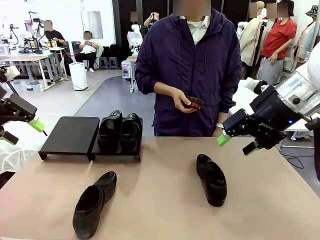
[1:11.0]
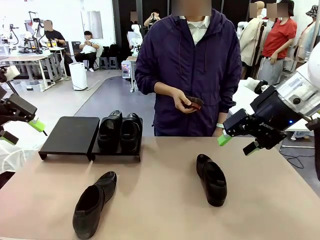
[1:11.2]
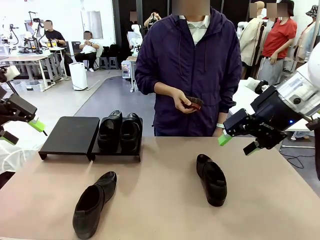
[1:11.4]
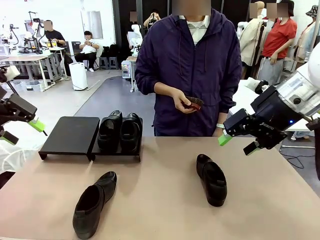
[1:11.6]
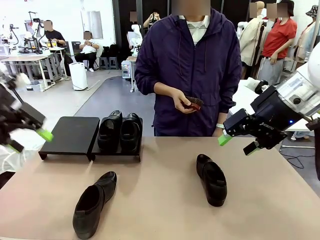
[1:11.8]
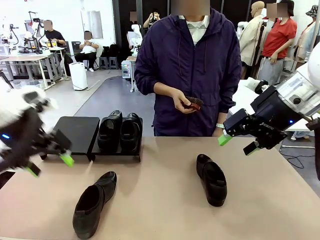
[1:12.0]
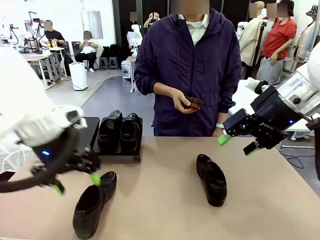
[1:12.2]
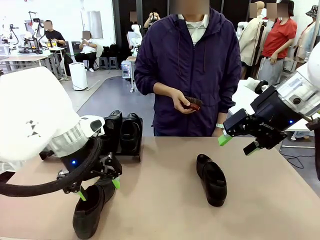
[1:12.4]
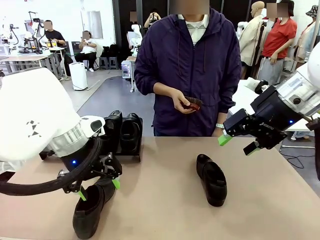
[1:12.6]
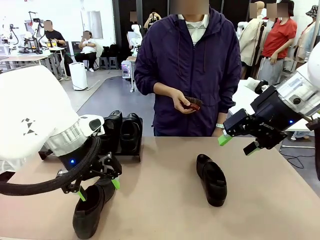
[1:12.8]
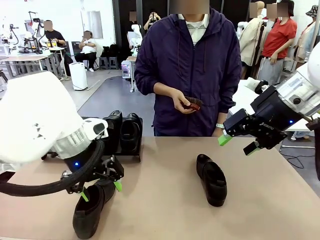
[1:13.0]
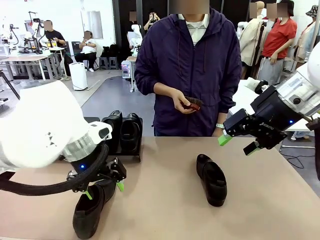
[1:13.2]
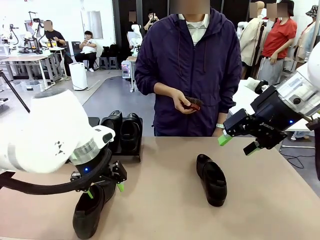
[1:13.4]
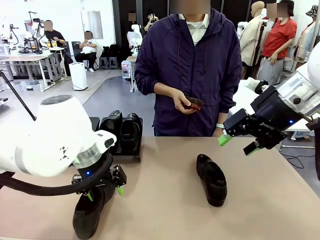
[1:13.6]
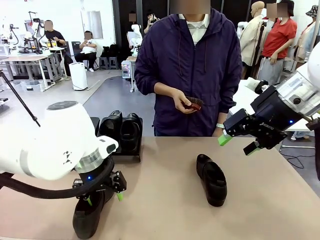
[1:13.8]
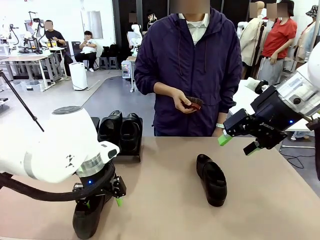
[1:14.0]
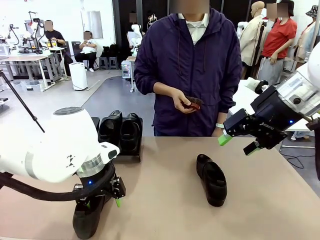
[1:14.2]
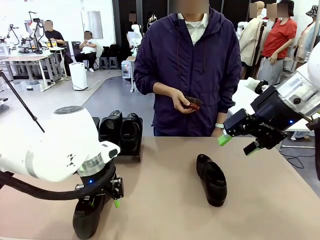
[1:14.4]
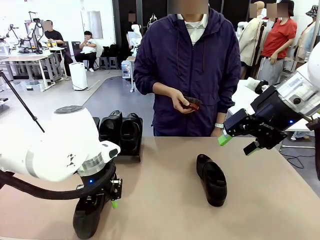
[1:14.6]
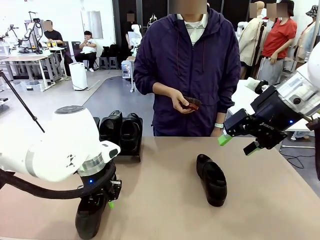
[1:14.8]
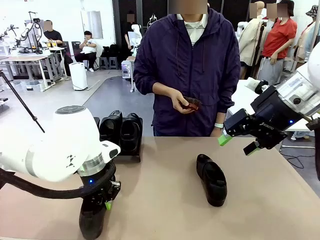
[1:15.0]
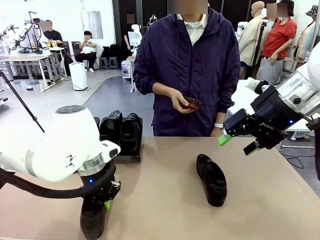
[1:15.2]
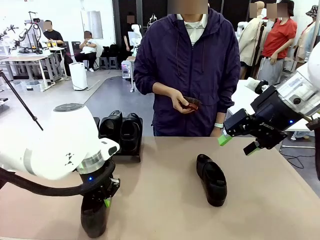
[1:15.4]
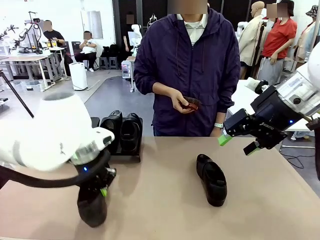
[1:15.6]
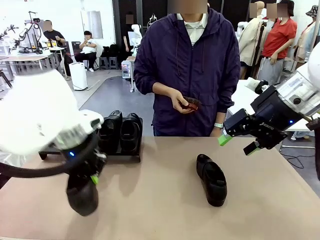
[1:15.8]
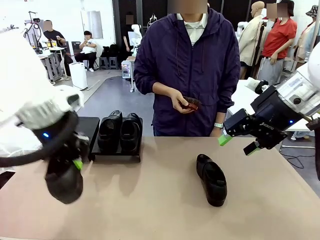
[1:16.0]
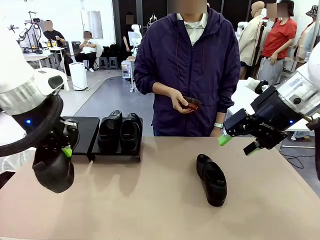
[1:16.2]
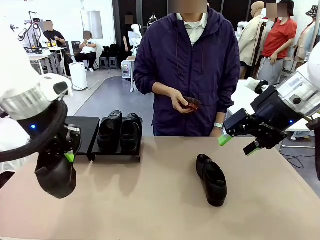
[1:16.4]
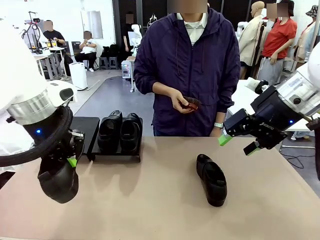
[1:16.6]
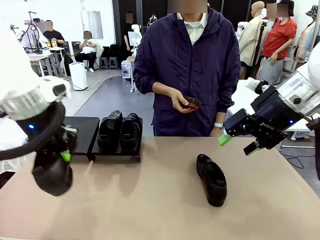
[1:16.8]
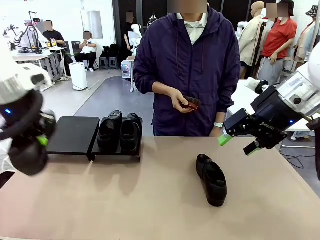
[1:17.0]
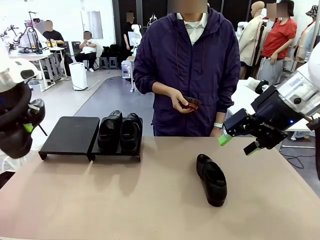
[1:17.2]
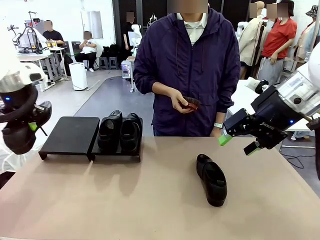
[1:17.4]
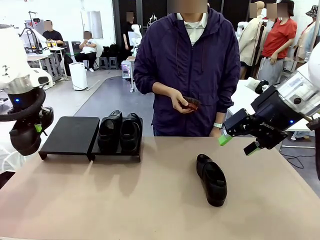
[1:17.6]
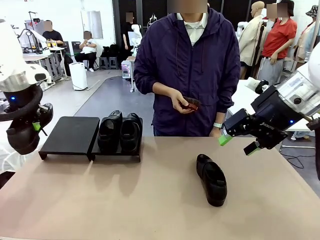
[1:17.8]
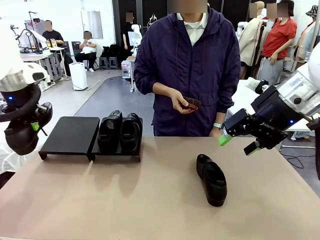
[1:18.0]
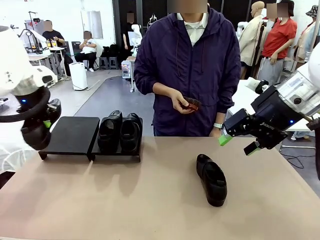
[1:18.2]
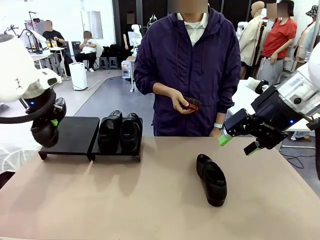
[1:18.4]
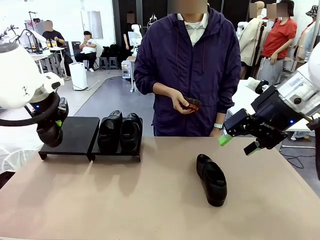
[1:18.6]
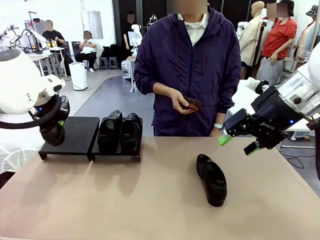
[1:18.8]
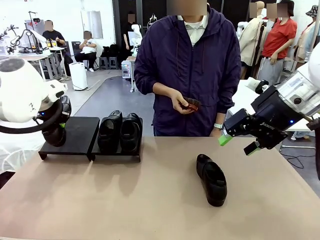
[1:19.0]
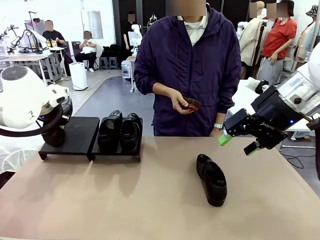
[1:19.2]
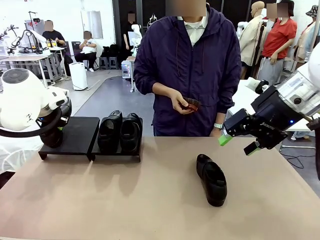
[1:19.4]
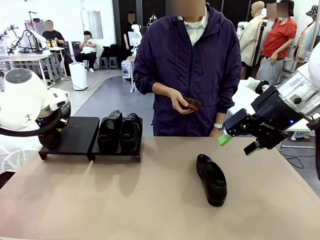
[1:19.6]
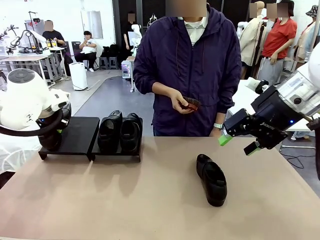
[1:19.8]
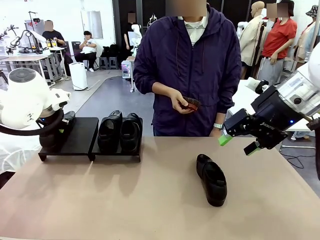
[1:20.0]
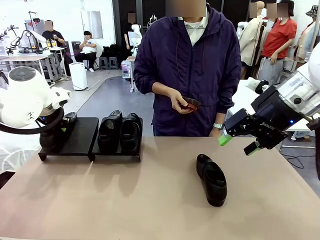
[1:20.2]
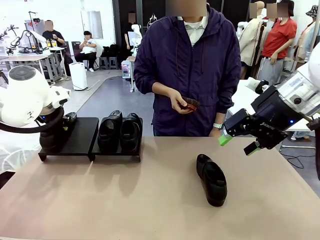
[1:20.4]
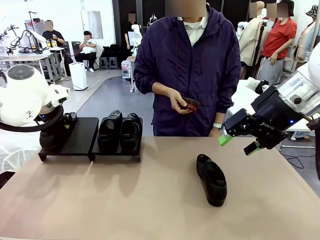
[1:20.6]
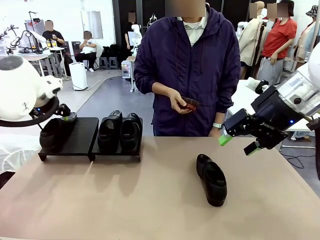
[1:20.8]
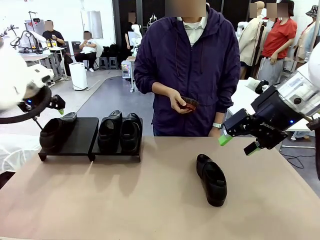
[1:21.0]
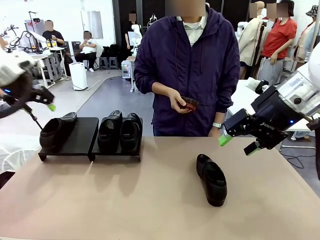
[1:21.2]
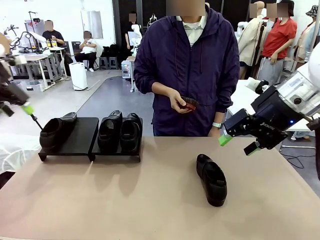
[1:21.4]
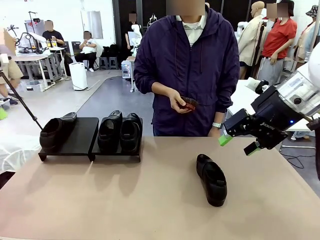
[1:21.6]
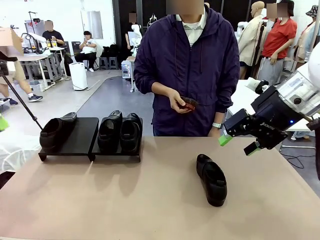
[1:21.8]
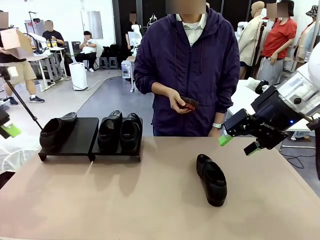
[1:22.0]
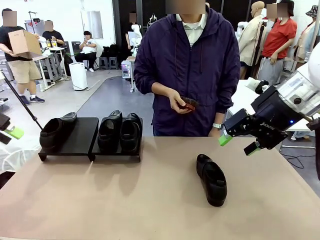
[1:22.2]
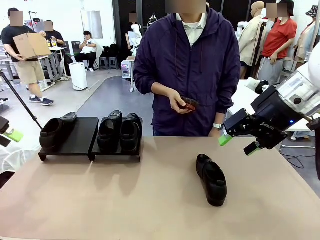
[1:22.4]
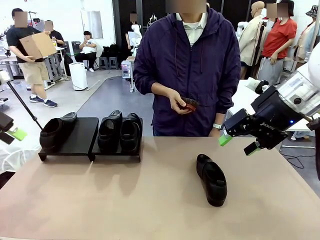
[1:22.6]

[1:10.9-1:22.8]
Task: Organize the shoes by placing them on the stand.
Robot: Place the Shoe from the middle of the table onto the Shoes Stand.

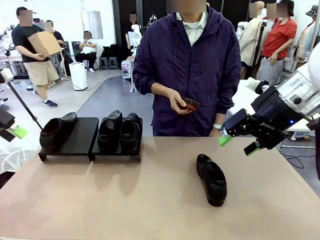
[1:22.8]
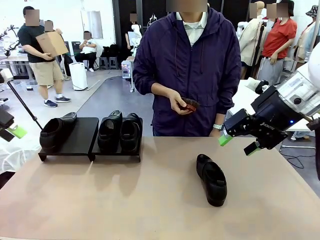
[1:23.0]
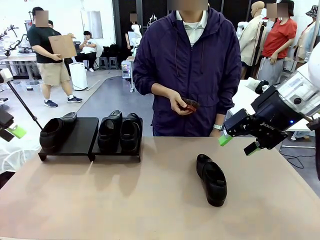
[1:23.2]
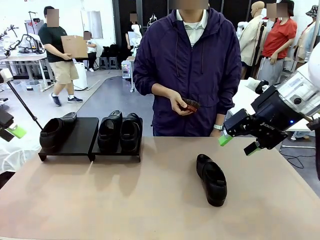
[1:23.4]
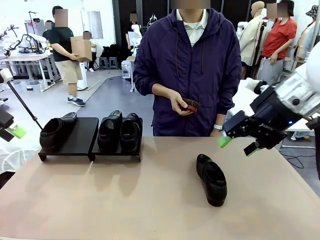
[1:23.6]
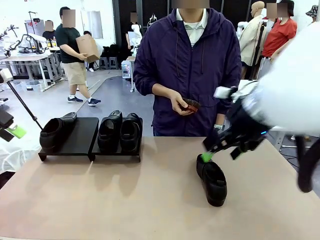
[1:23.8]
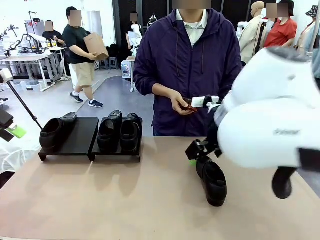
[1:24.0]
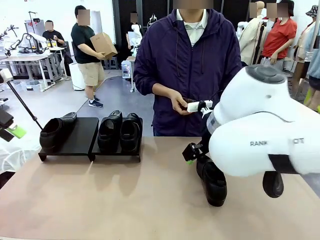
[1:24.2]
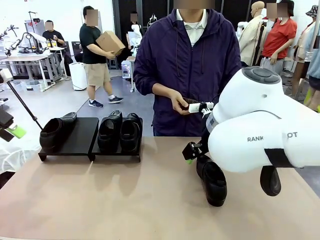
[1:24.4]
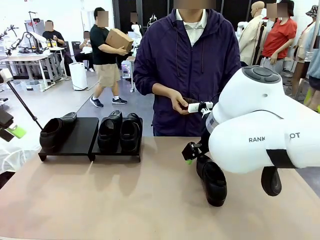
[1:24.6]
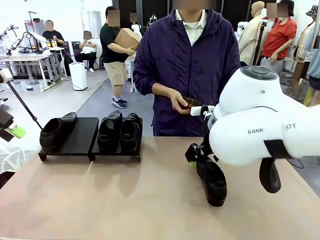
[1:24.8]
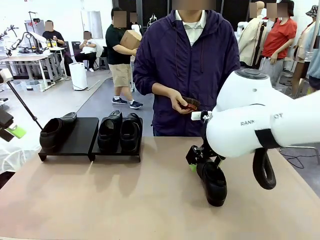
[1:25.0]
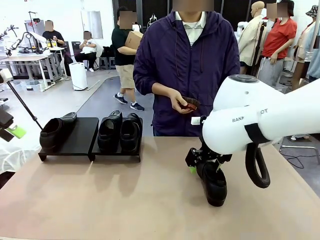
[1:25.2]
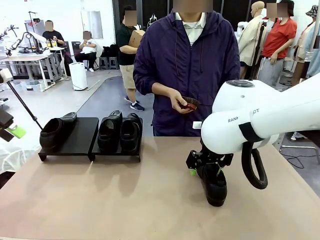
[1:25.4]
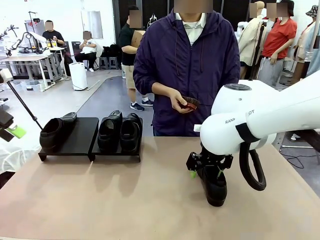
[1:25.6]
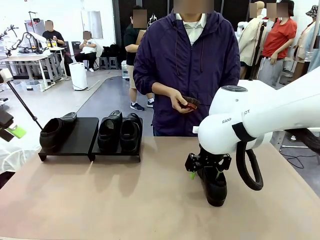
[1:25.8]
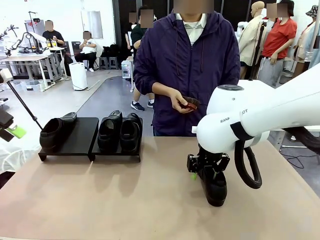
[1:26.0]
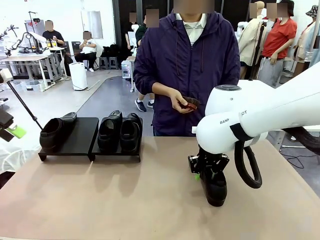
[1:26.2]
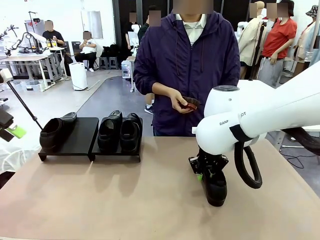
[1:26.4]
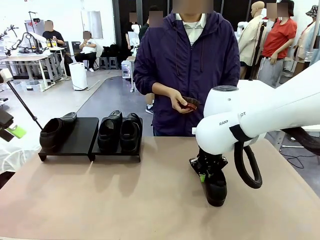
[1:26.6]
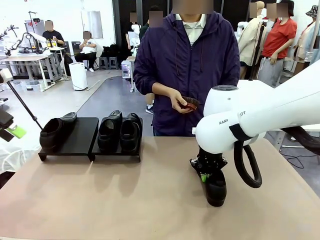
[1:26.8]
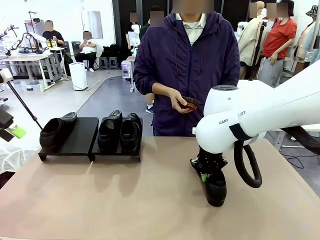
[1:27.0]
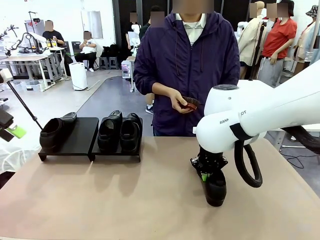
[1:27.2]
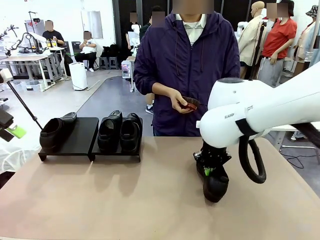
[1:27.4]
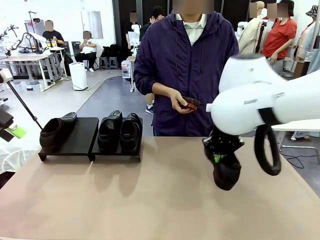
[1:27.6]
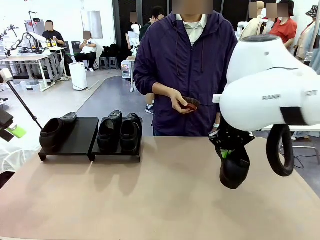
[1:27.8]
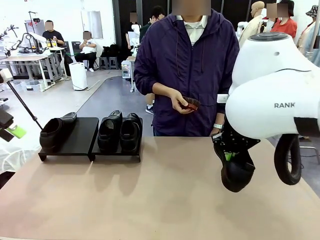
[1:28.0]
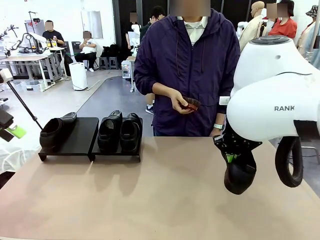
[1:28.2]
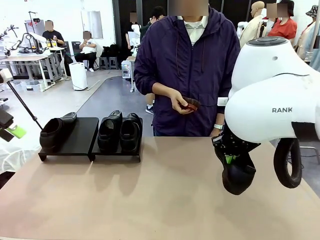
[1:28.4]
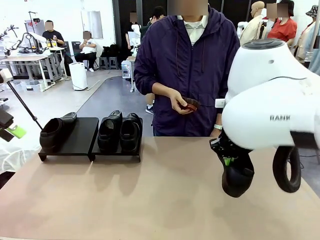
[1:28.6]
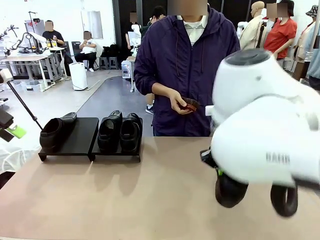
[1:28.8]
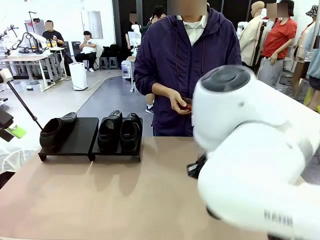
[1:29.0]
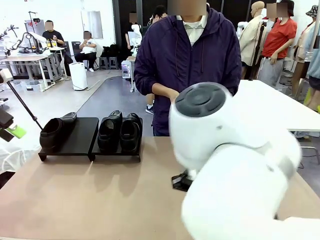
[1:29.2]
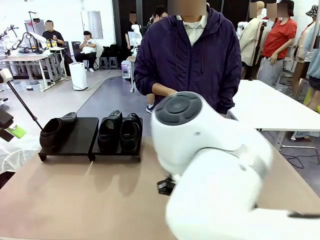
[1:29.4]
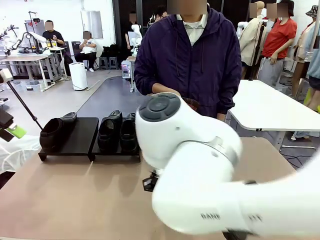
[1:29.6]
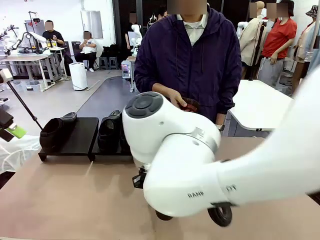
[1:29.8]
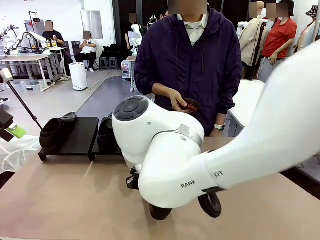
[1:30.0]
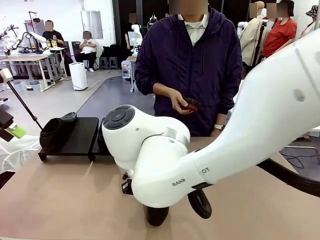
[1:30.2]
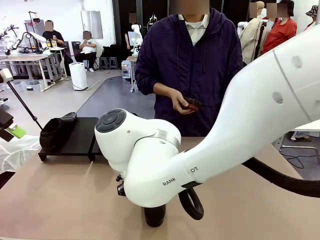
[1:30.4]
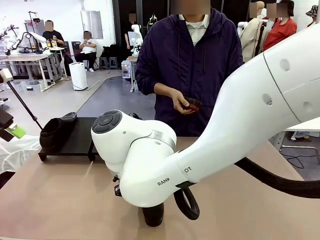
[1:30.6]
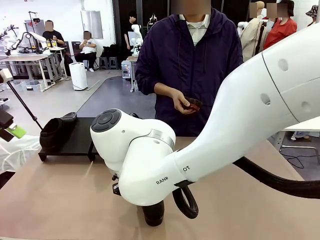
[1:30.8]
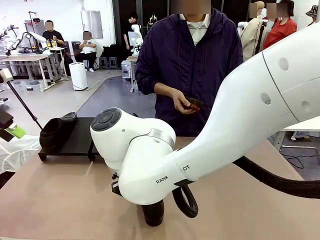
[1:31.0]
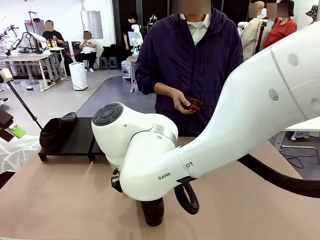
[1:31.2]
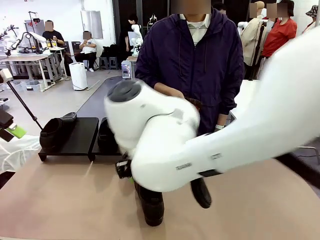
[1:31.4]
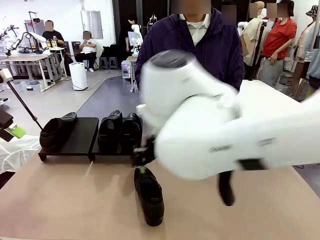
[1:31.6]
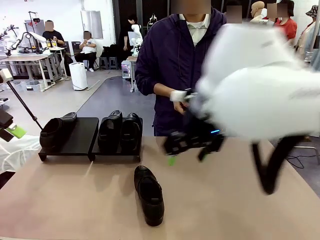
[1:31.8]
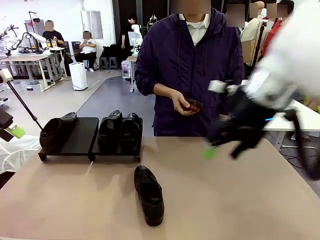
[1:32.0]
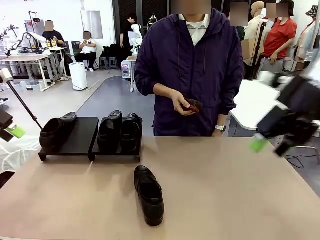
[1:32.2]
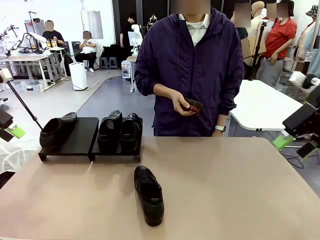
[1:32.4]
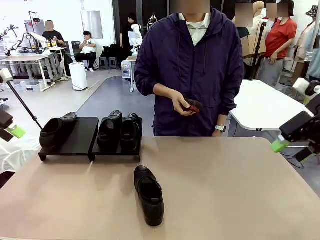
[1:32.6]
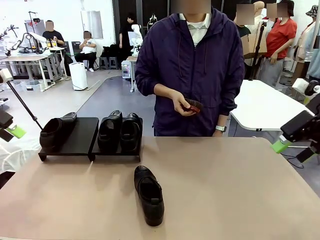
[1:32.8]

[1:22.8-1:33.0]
Robot: Pick up one Shoe and place it in the middle of the table.
